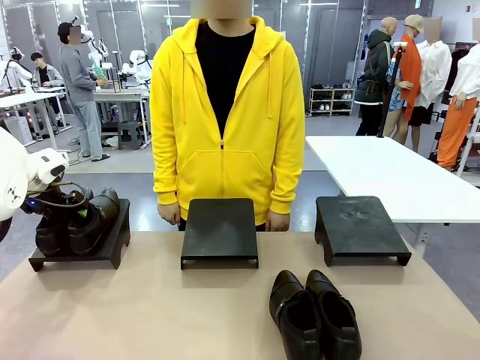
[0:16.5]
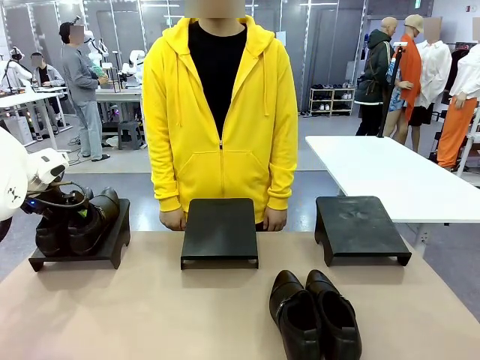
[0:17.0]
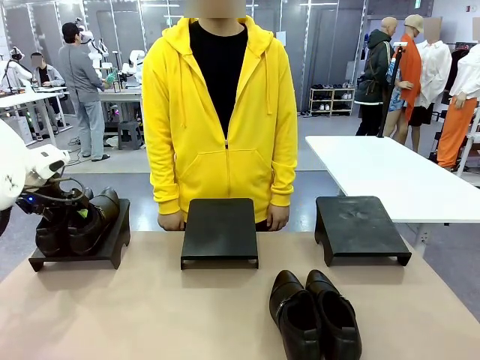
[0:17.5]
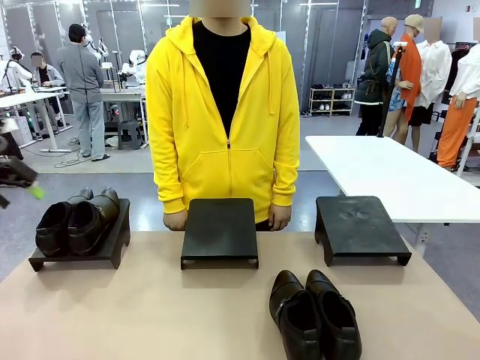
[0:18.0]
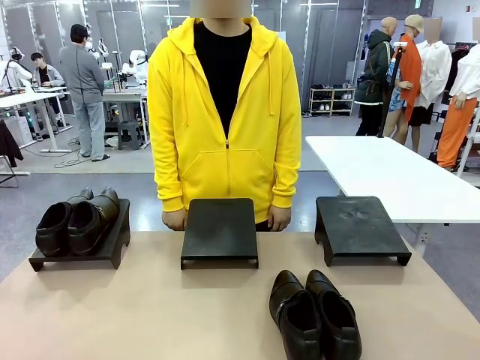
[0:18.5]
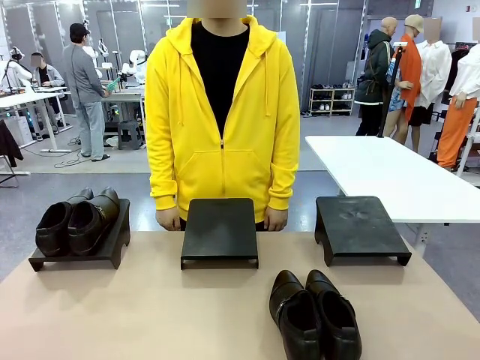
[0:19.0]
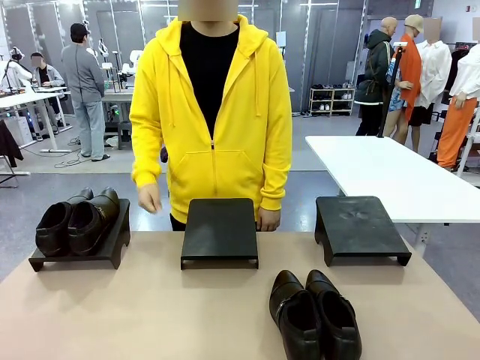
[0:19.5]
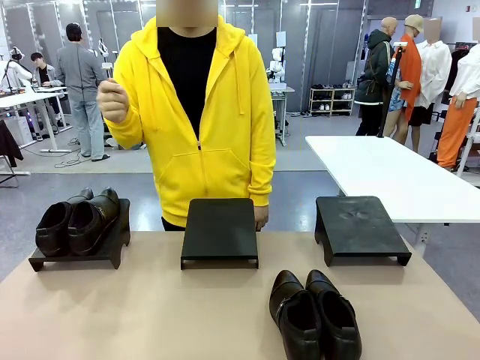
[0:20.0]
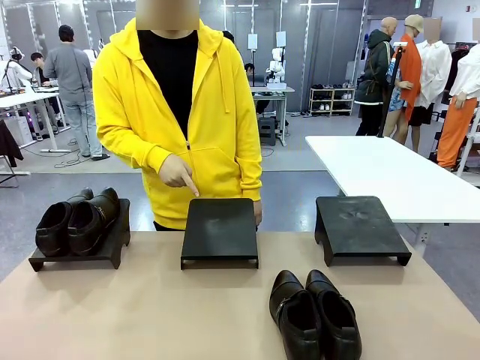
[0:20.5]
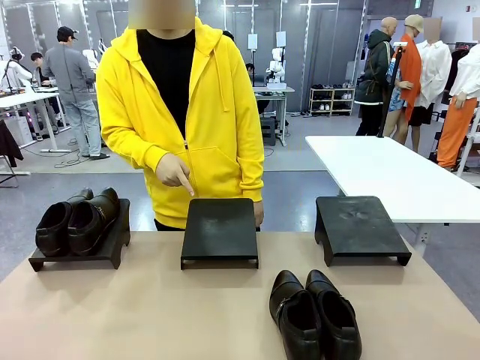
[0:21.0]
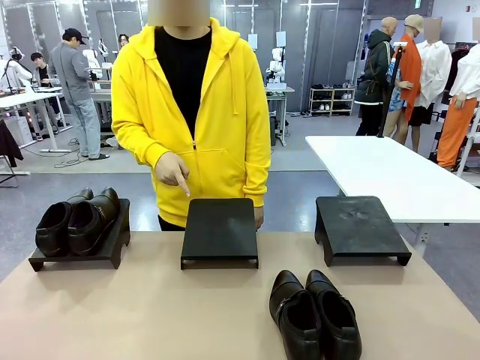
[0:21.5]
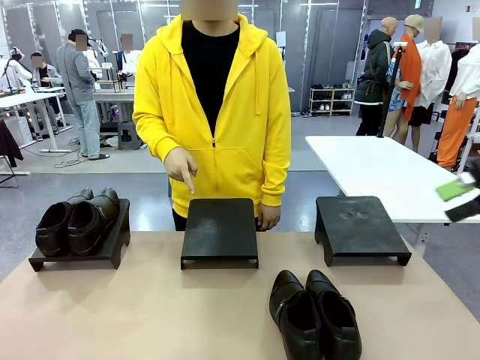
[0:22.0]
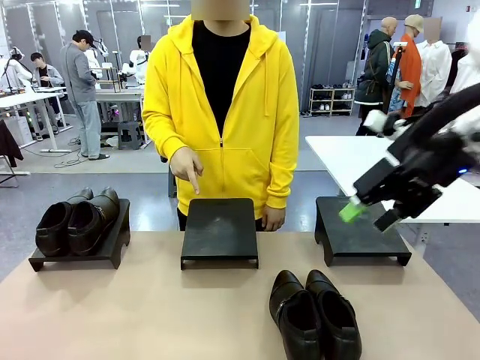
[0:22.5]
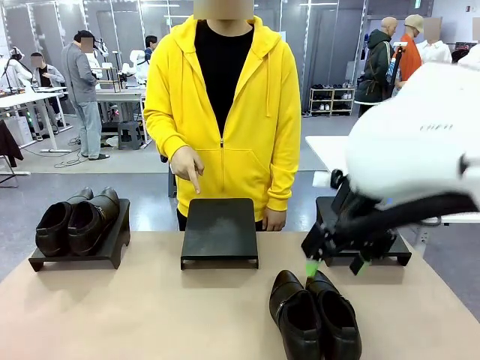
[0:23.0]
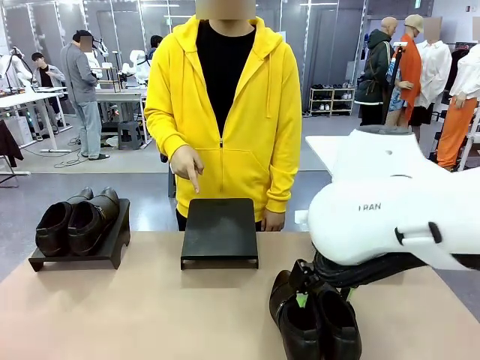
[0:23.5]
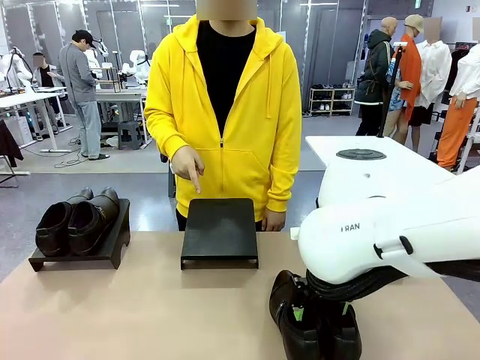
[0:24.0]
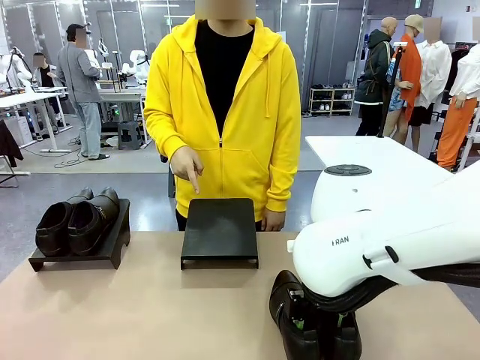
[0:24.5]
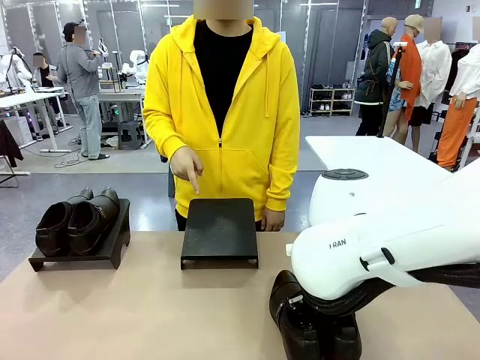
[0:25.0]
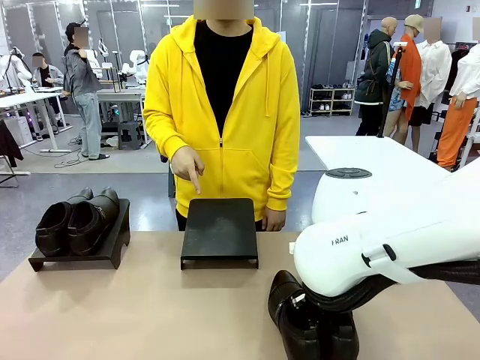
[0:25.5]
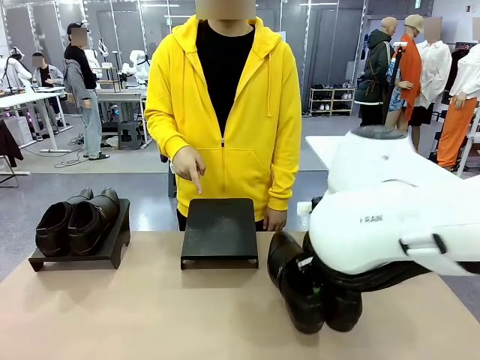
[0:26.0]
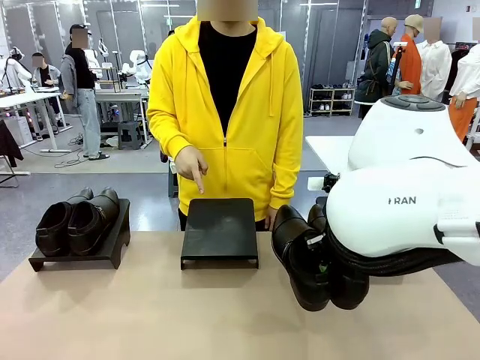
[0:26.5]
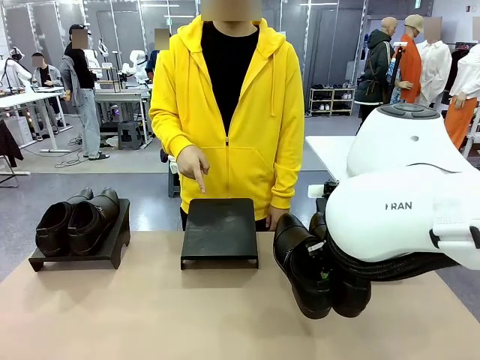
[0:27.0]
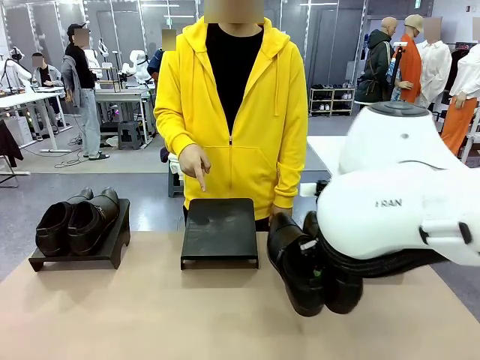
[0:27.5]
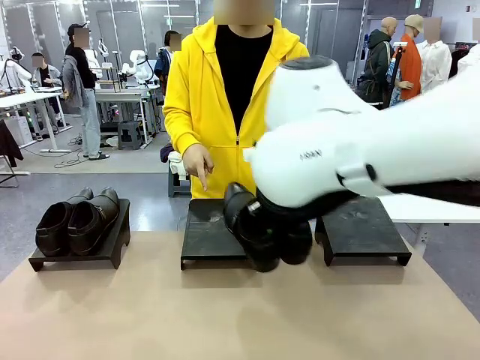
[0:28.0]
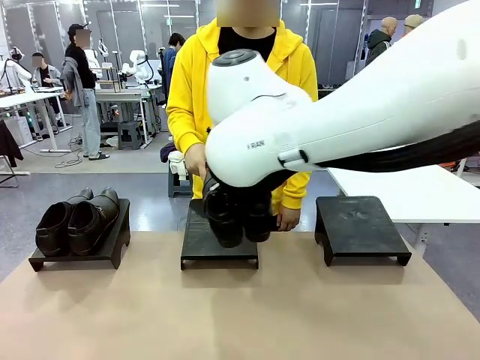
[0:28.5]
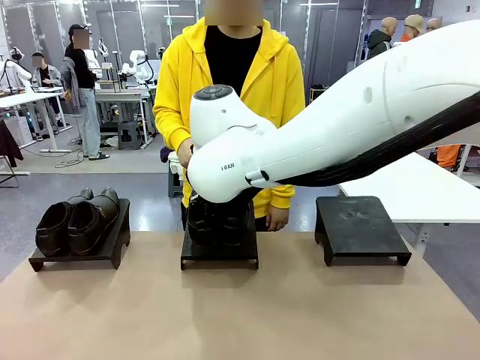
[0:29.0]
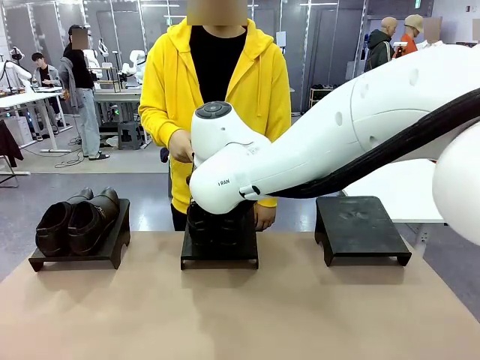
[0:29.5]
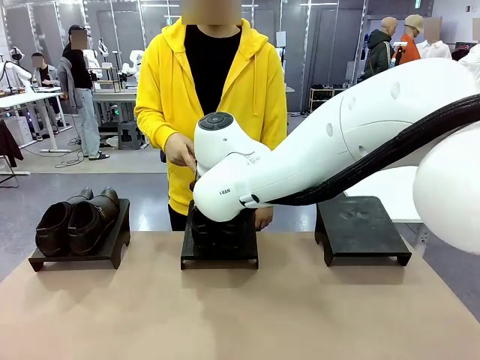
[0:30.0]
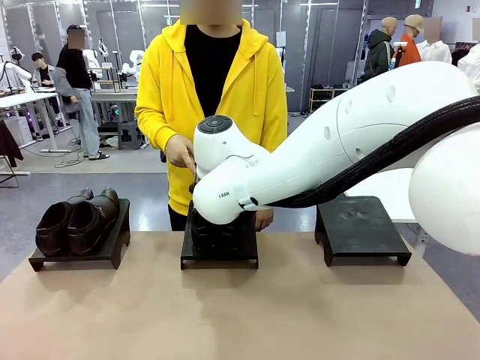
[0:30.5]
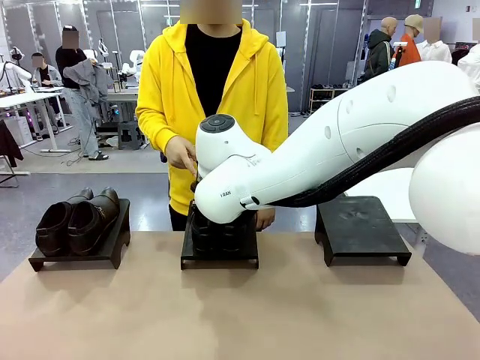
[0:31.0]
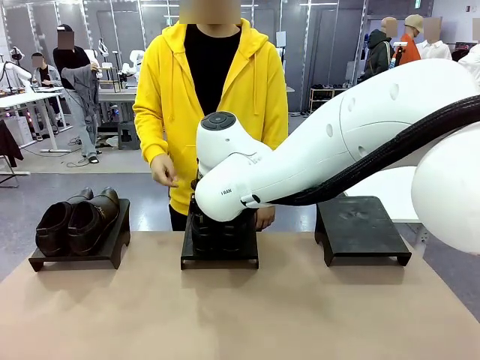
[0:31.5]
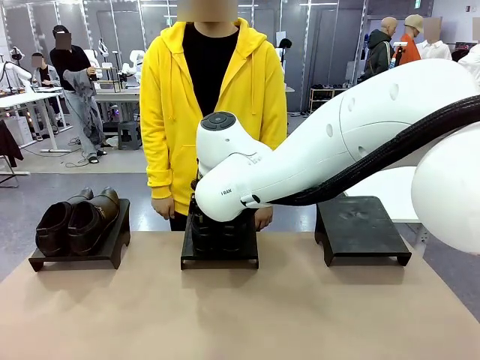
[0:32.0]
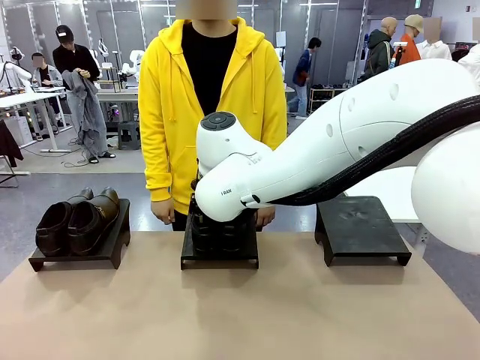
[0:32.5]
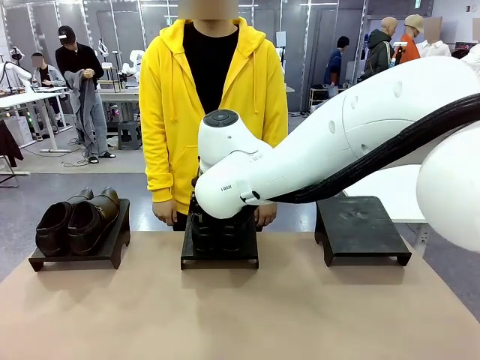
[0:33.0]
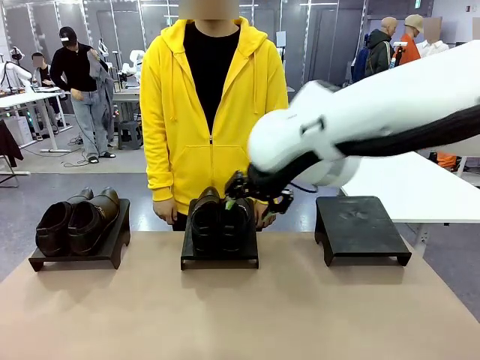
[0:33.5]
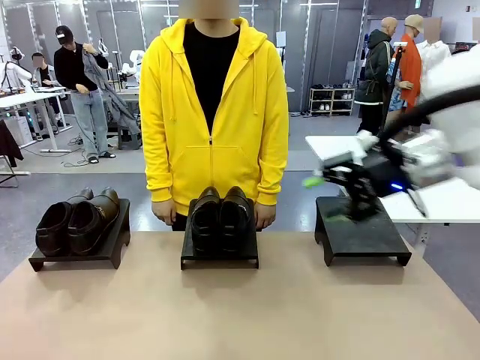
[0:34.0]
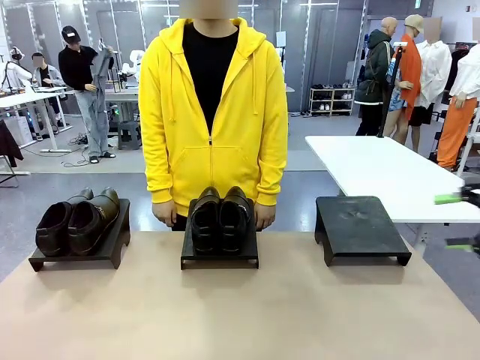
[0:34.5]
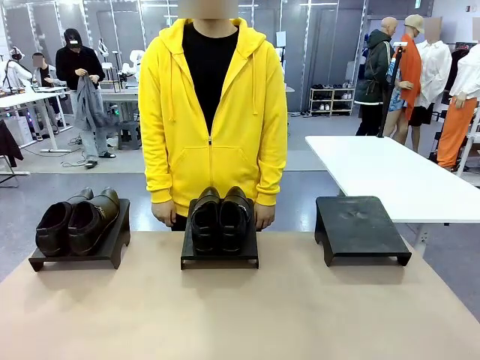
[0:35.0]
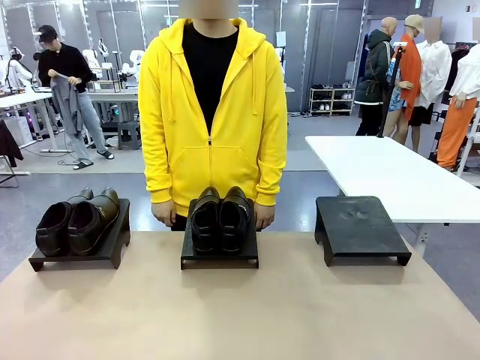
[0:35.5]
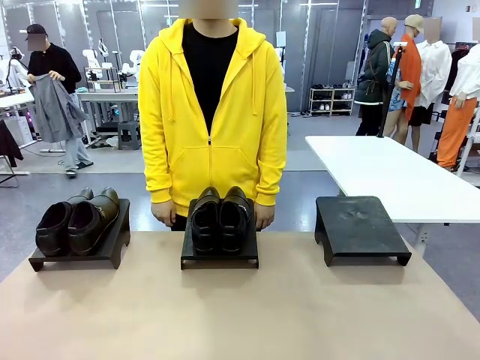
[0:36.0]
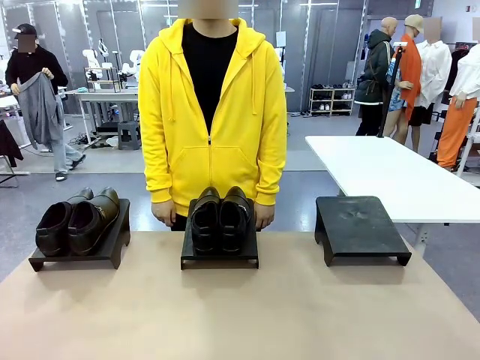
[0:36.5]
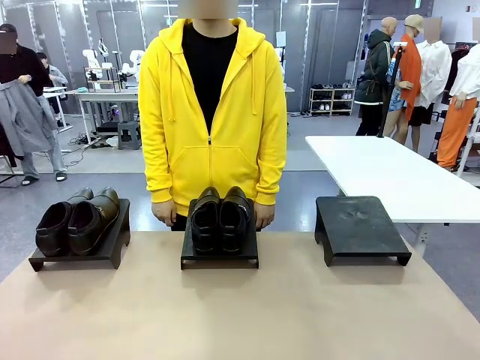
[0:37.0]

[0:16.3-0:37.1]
Task: Place the shoes on the stand as instructed by the person.
Robot: Pick up another pair of Shoes and place it on the Shoes Stand indicated by the person.
Person: Point to one Shoes Stand.
